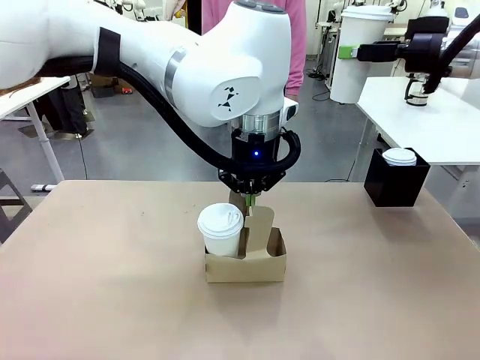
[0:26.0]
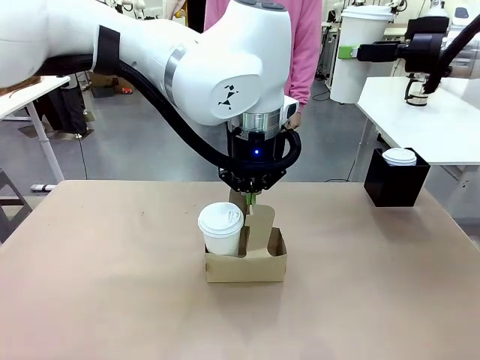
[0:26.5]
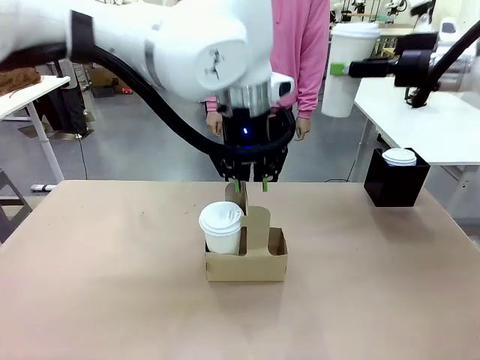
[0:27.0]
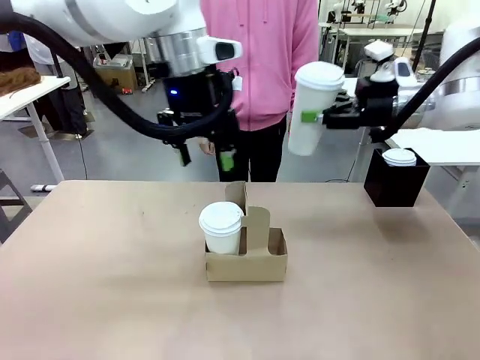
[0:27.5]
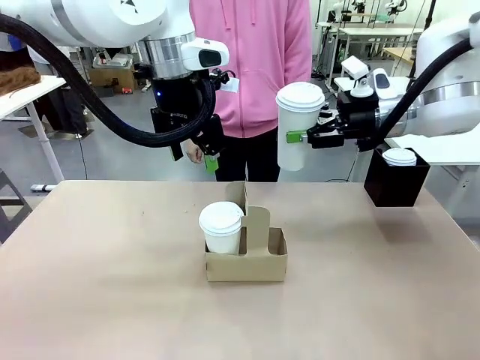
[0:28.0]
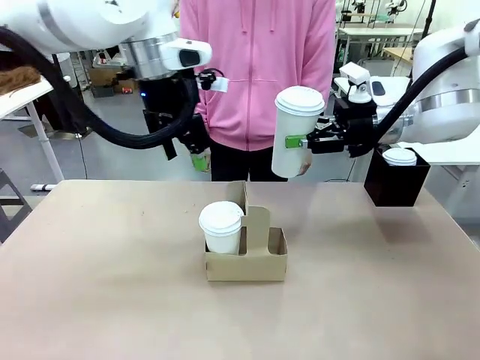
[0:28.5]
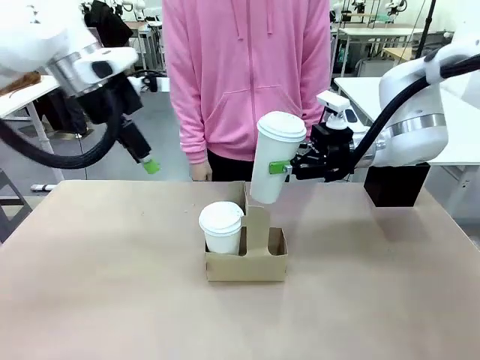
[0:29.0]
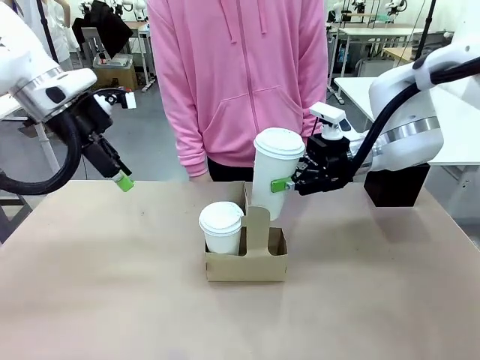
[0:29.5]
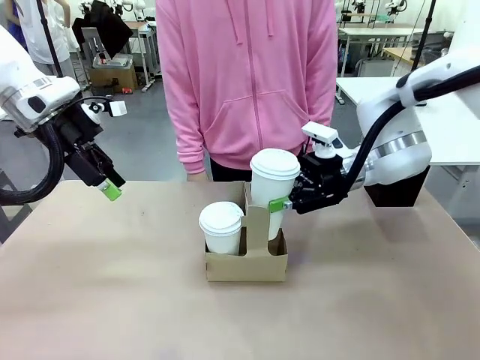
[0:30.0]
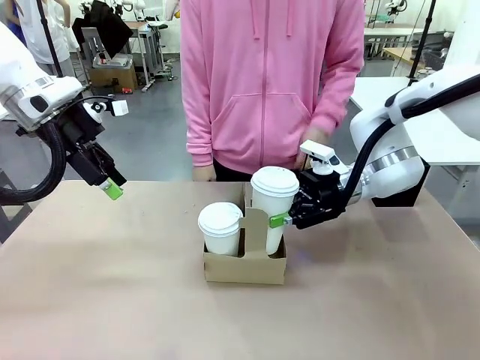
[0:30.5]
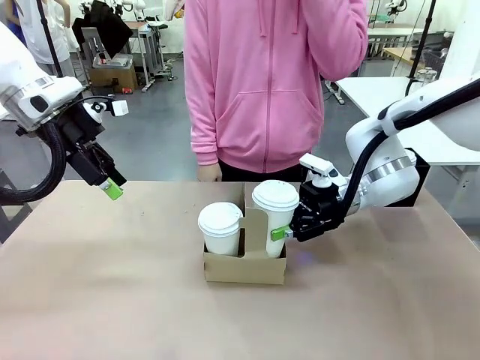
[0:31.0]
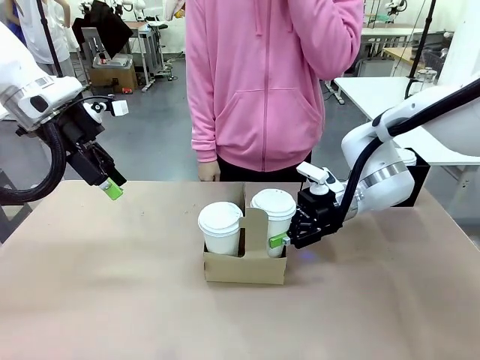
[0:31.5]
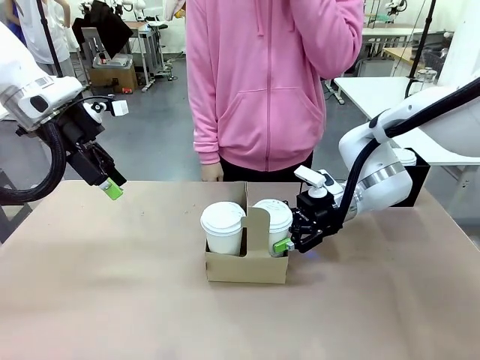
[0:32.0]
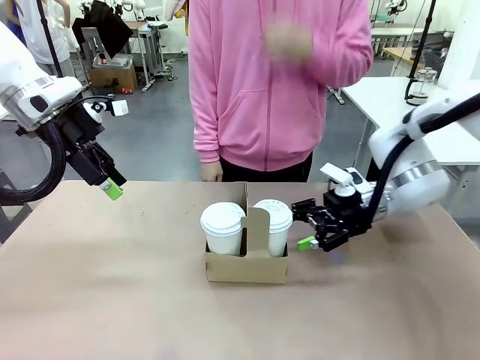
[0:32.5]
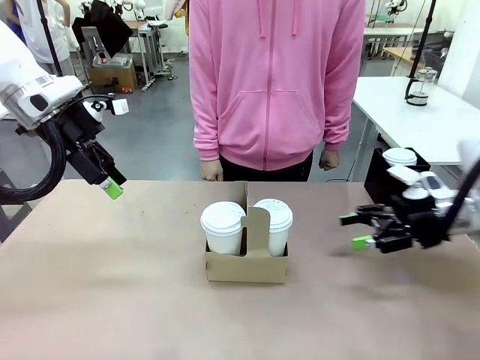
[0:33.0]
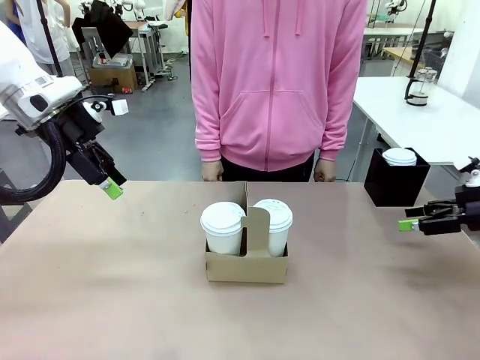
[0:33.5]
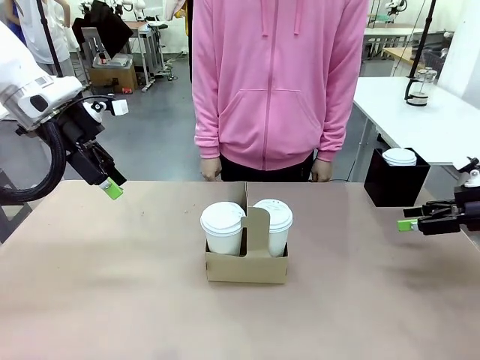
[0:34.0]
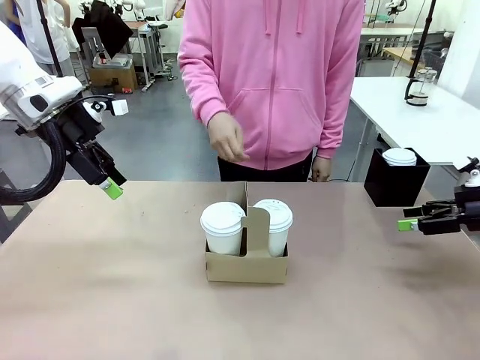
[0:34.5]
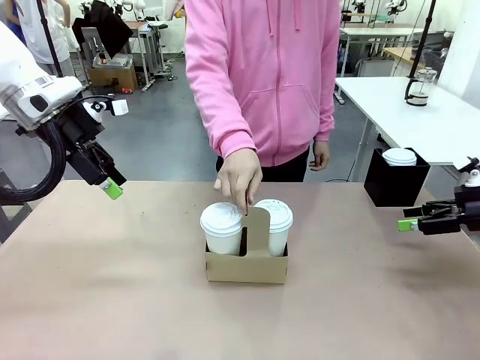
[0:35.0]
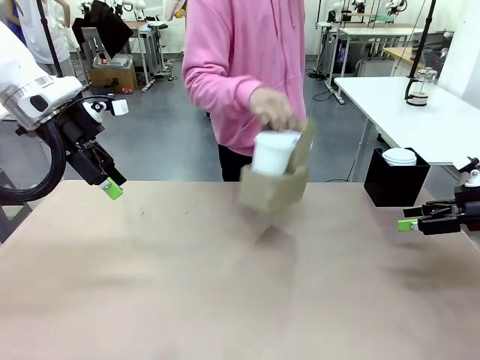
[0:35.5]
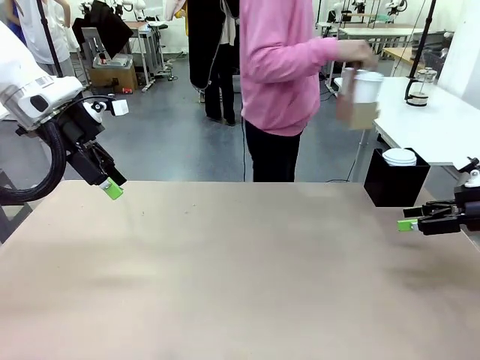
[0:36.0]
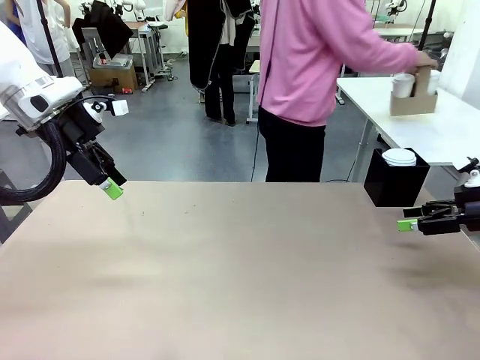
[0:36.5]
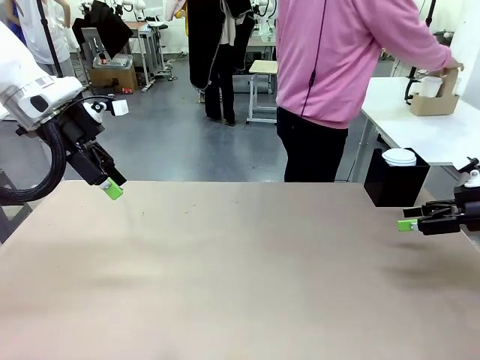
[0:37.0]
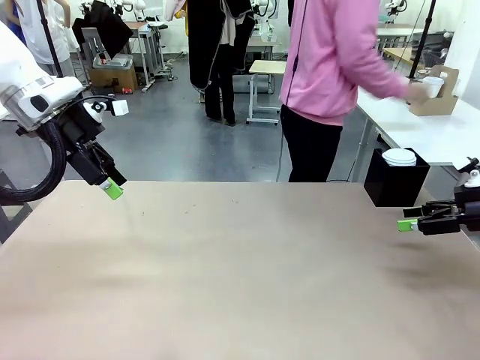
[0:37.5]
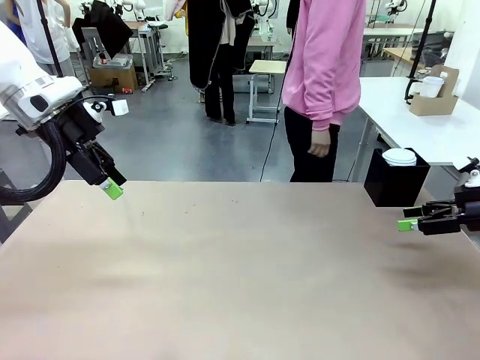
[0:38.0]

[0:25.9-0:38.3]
Task: Pour a drink into a cup and package it in a carrier.
Robot: Insert the held 600 ml Paper Cup into the Cup Carrier.
Person: Place the Cup Carrier to the middle of Human table.

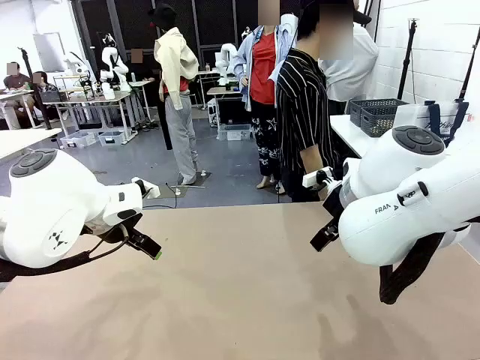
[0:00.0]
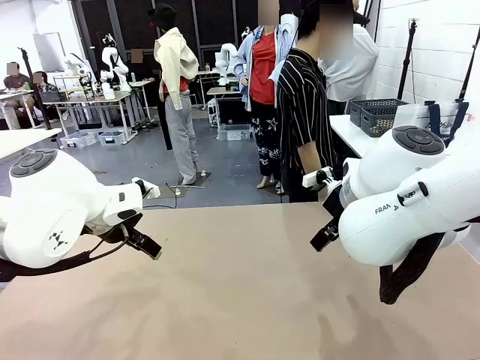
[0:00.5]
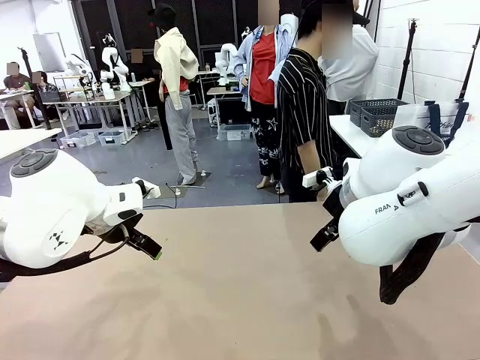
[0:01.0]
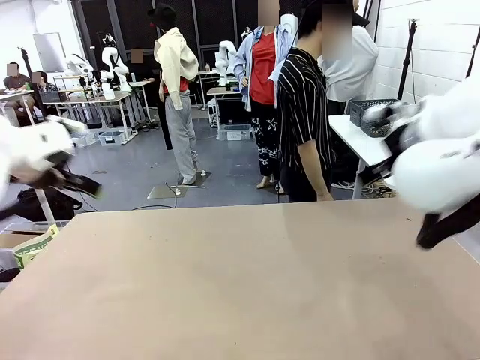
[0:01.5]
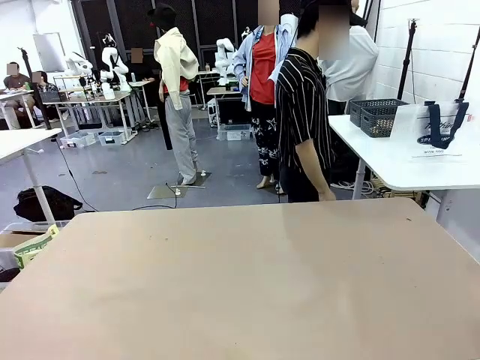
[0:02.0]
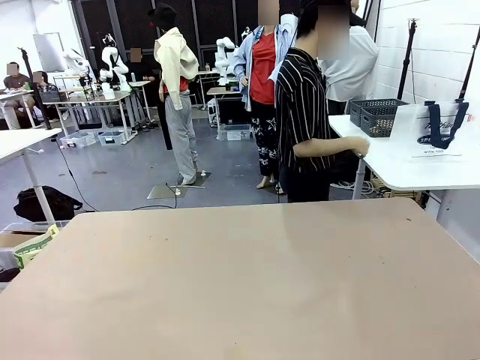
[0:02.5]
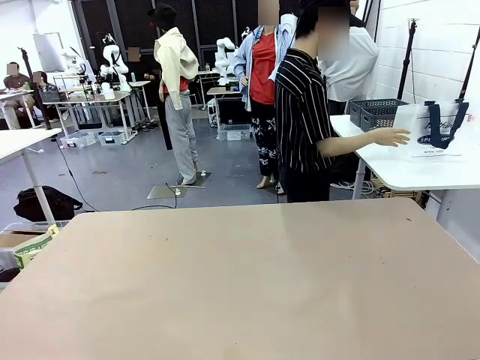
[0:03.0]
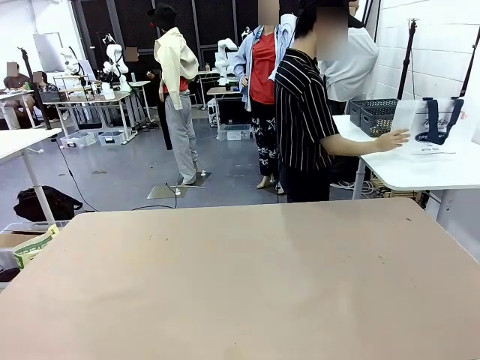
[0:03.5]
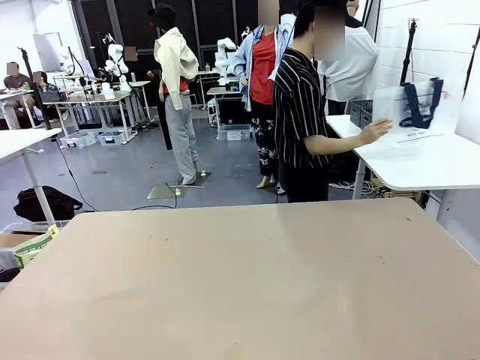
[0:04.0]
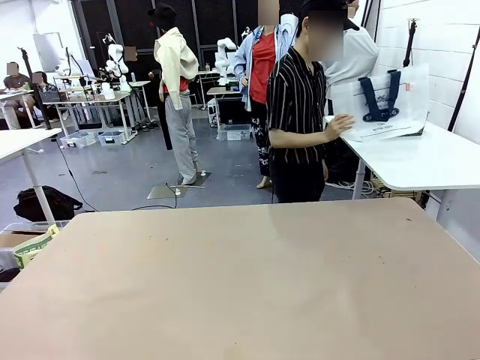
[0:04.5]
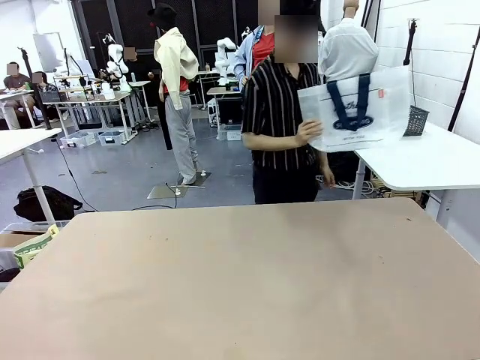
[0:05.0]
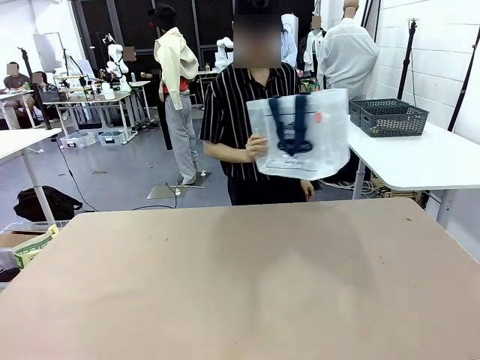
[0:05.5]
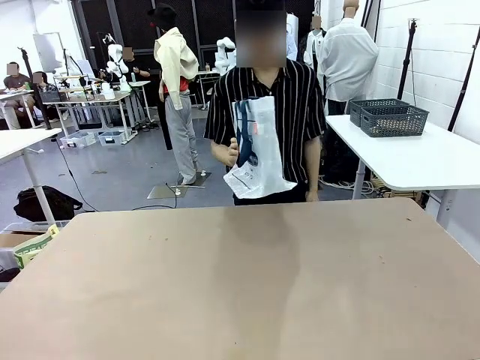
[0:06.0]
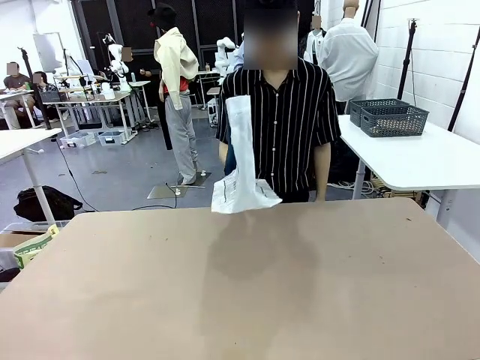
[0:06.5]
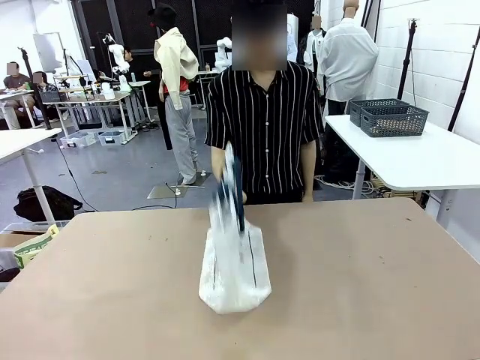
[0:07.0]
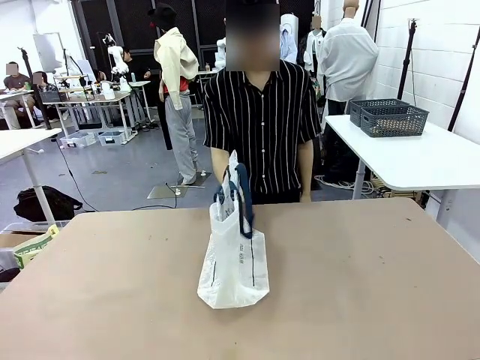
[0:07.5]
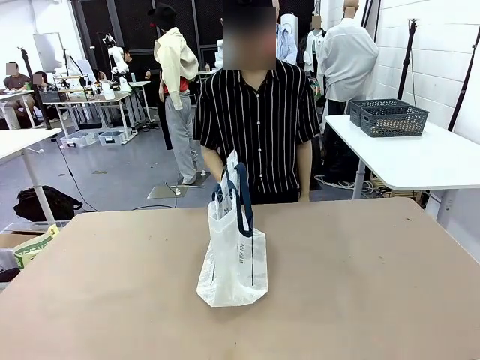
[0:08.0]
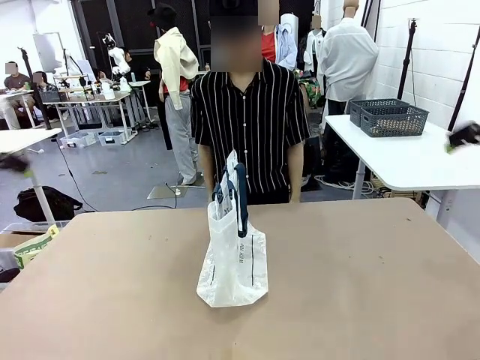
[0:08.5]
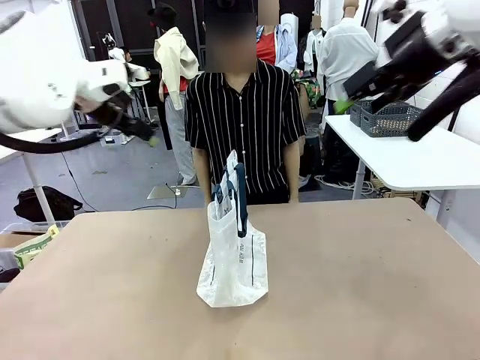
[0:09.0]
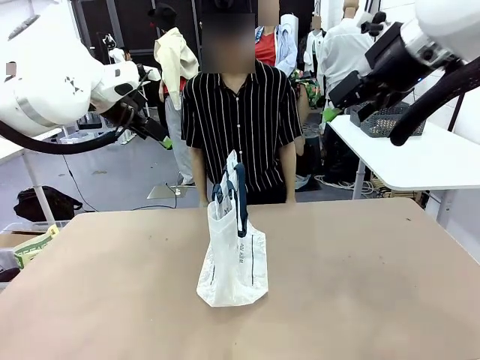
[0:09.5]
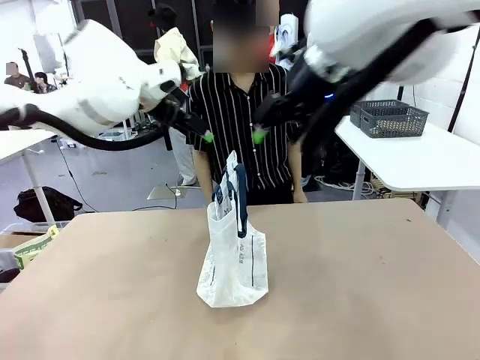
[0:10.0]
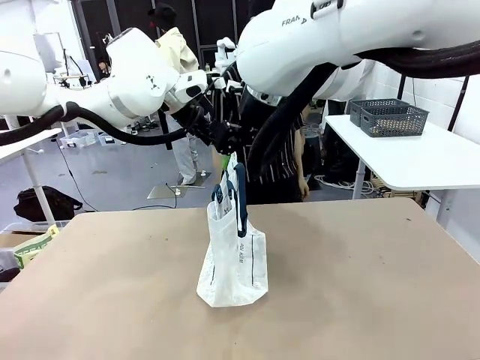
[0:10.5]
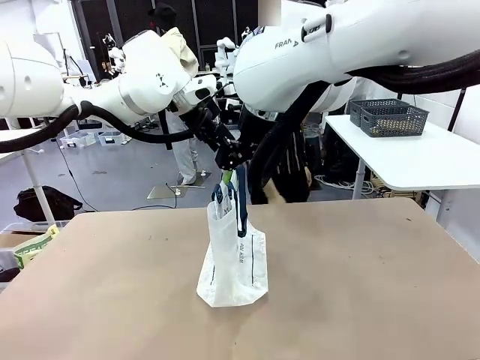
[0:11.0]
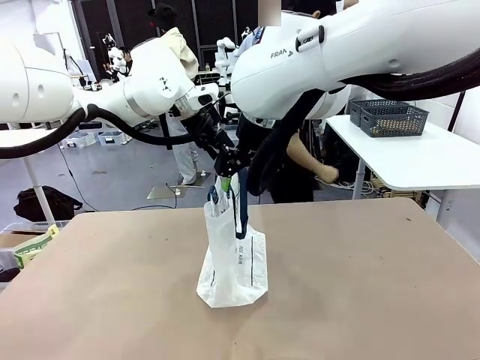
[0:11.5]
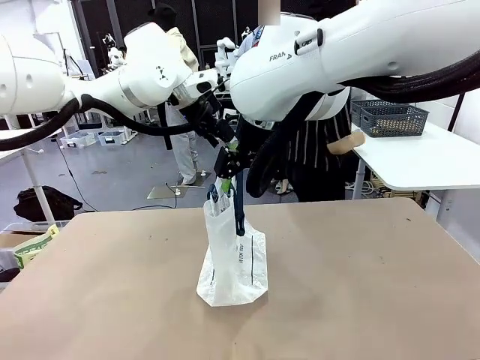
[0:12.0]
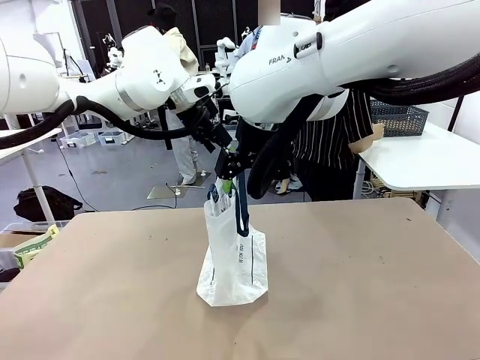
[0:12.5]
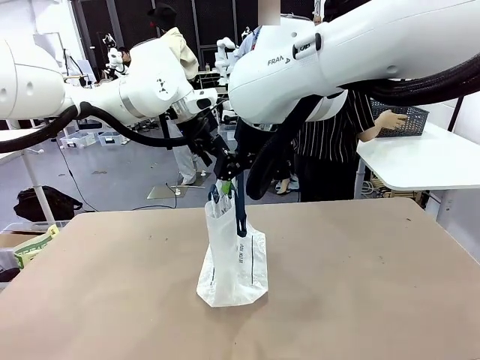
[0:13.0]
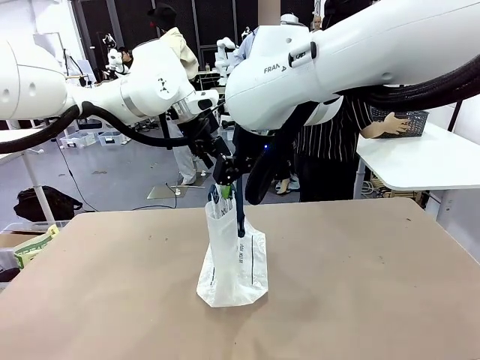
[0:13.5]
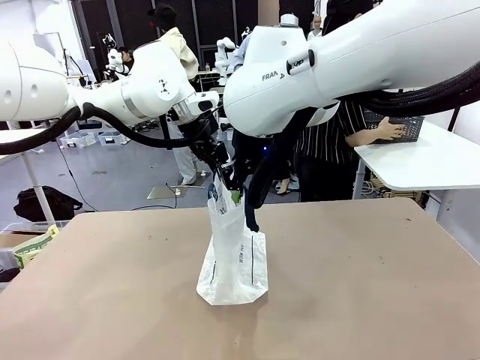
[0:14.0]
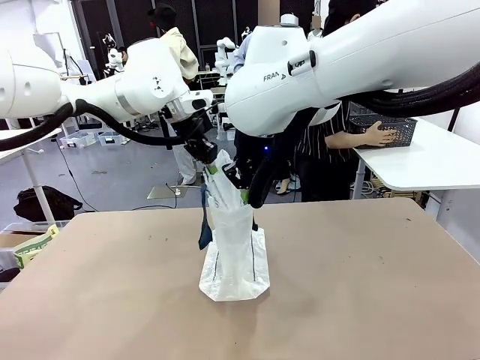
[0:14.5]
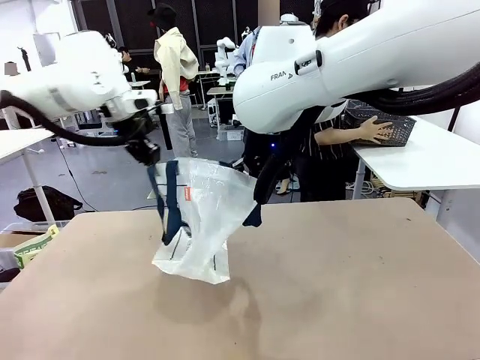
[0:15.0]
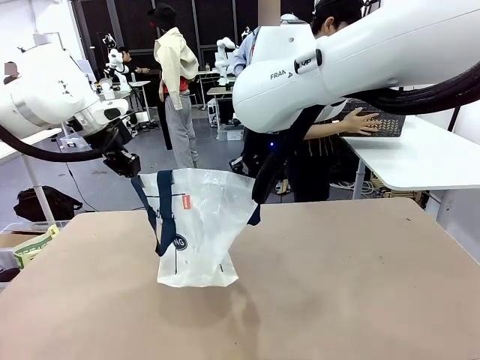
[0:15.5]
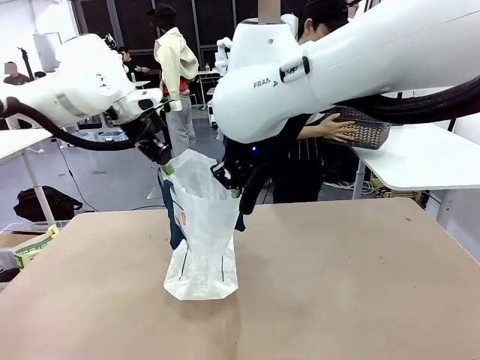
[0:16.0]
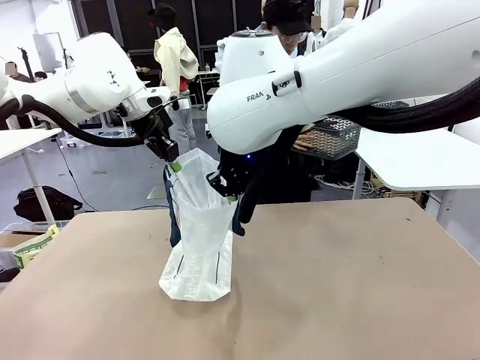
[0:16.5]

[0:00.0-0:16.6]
Task: Transfer purchased items from the store into the shopping bag.
Robot: Open the Reusable shopping bag in the center of the table.
Person: Pick up the shopping bag and place it in the middle of the robot table. Pick up the basket on the right, place it on the left side of the robot table, and move the items in the basket to the shopping bag.
